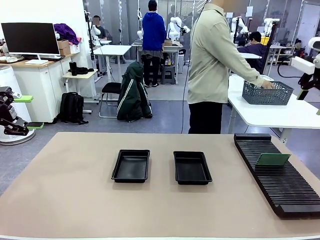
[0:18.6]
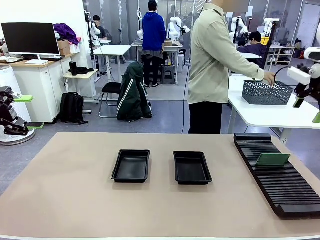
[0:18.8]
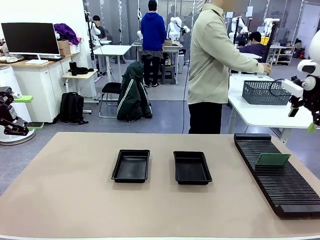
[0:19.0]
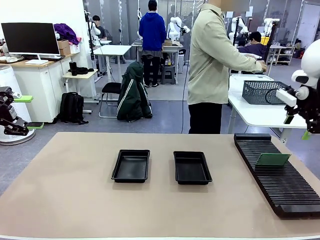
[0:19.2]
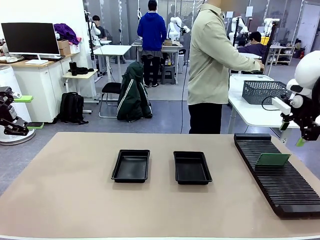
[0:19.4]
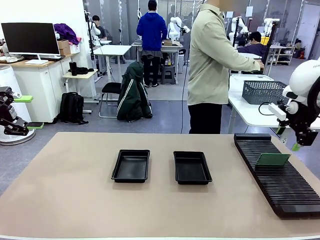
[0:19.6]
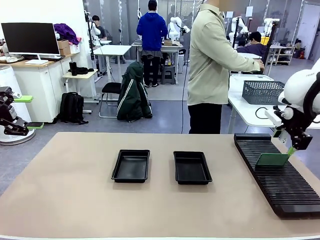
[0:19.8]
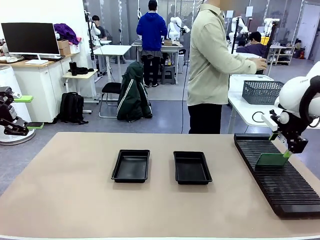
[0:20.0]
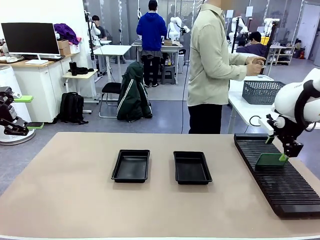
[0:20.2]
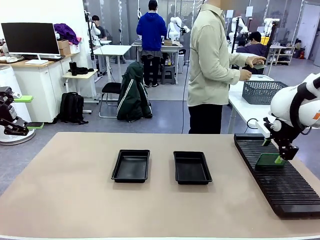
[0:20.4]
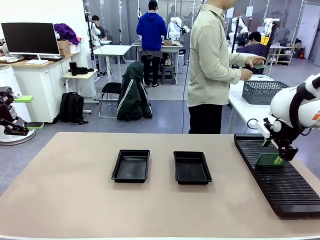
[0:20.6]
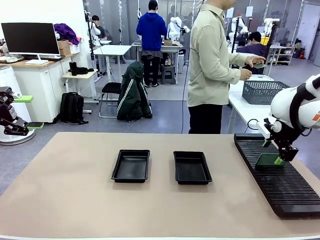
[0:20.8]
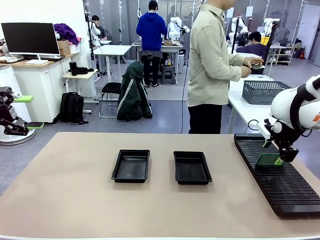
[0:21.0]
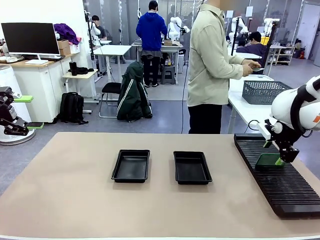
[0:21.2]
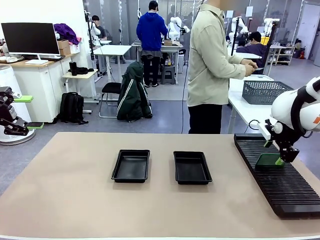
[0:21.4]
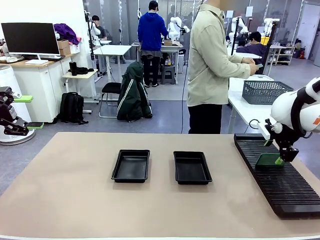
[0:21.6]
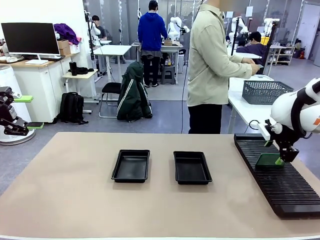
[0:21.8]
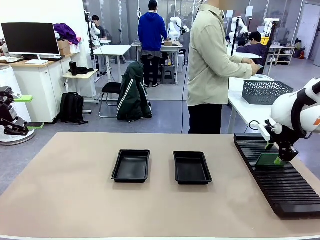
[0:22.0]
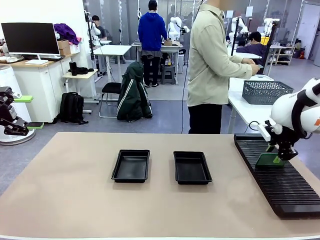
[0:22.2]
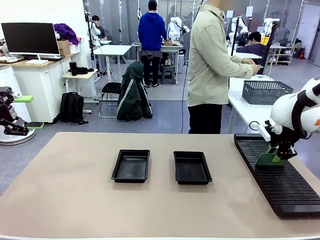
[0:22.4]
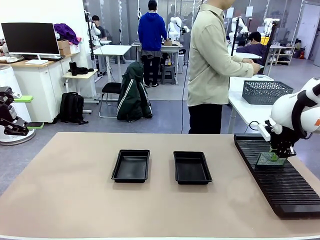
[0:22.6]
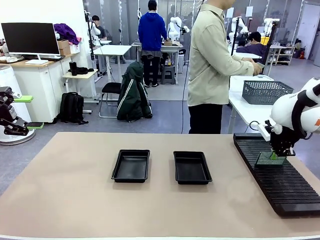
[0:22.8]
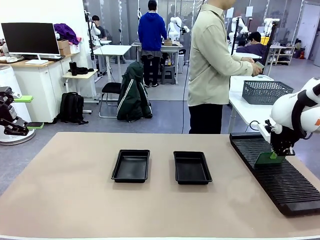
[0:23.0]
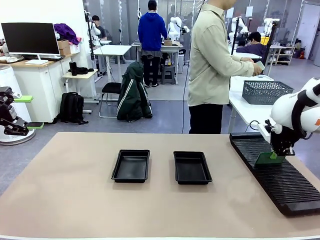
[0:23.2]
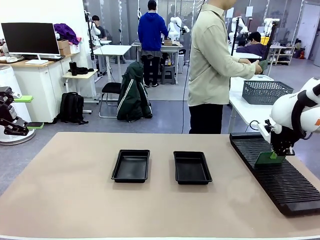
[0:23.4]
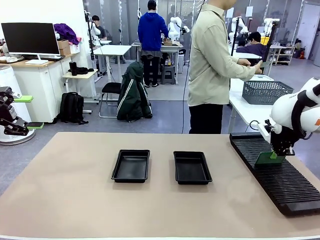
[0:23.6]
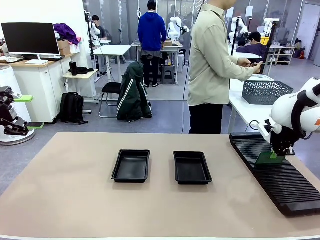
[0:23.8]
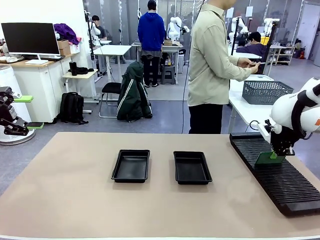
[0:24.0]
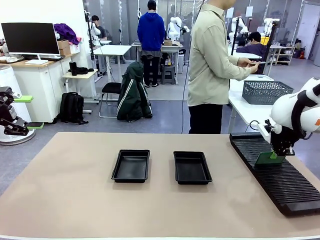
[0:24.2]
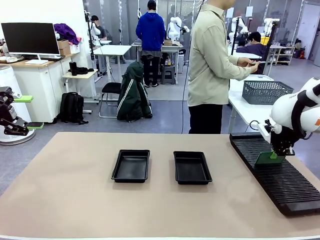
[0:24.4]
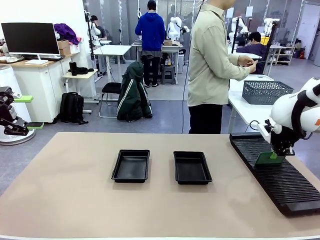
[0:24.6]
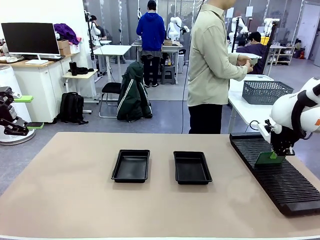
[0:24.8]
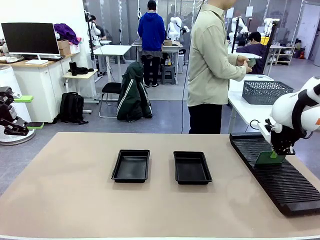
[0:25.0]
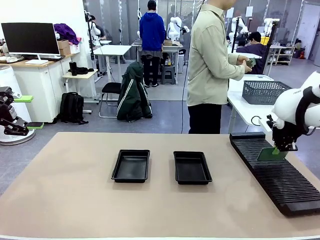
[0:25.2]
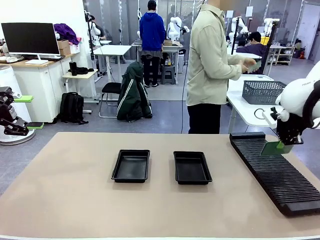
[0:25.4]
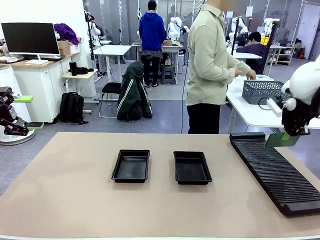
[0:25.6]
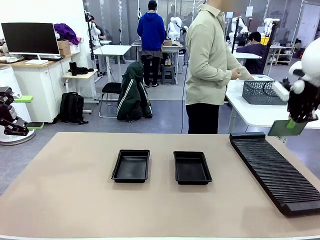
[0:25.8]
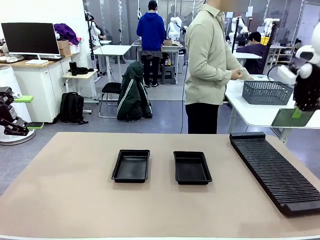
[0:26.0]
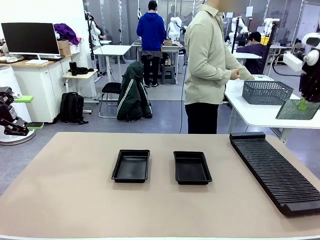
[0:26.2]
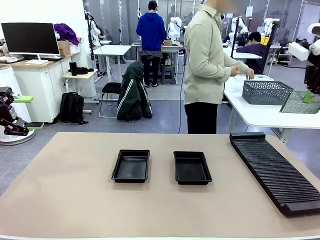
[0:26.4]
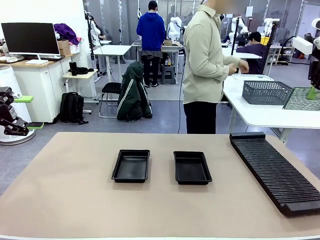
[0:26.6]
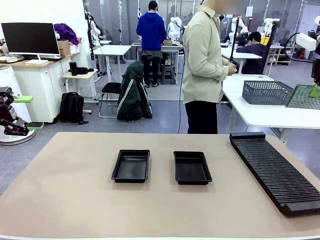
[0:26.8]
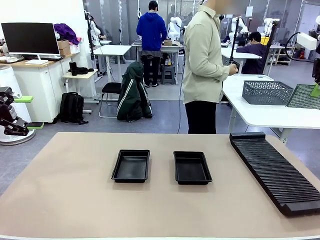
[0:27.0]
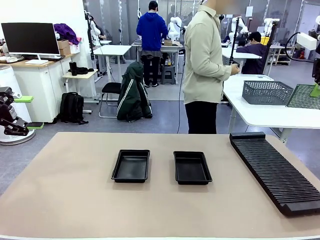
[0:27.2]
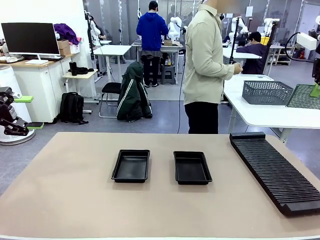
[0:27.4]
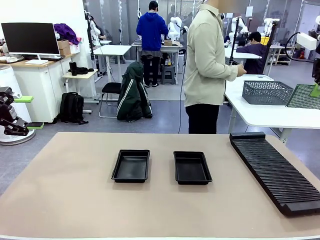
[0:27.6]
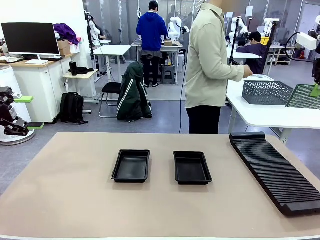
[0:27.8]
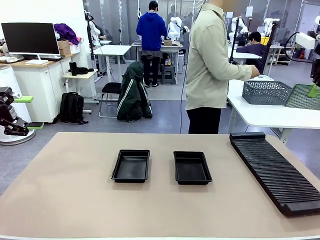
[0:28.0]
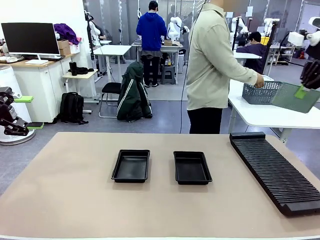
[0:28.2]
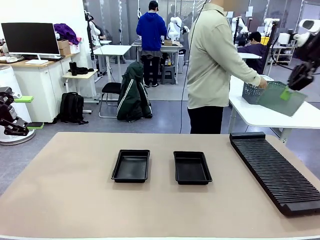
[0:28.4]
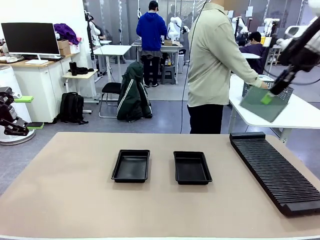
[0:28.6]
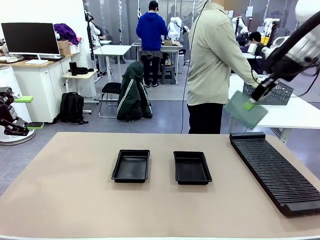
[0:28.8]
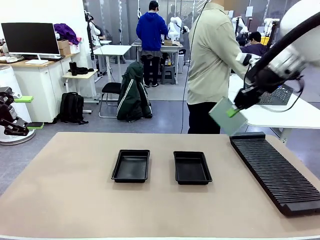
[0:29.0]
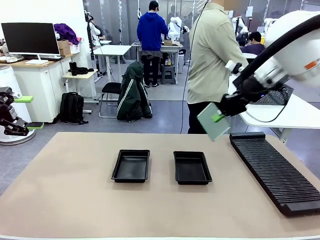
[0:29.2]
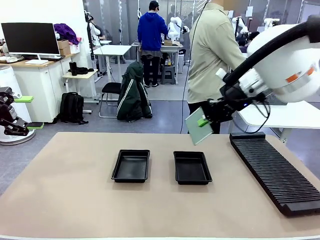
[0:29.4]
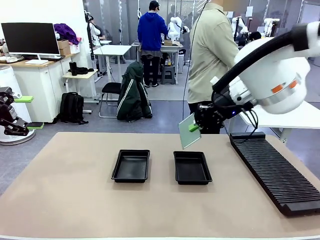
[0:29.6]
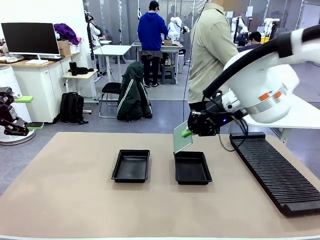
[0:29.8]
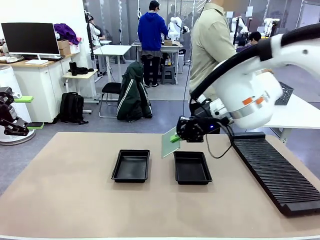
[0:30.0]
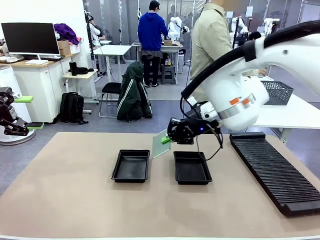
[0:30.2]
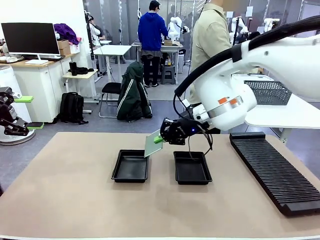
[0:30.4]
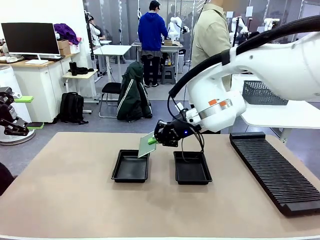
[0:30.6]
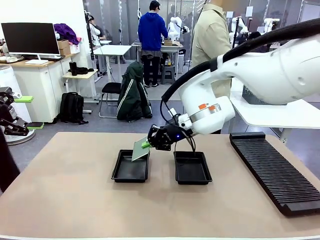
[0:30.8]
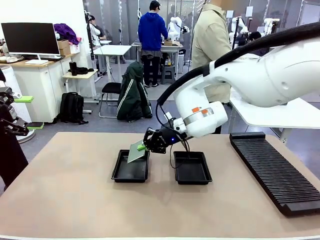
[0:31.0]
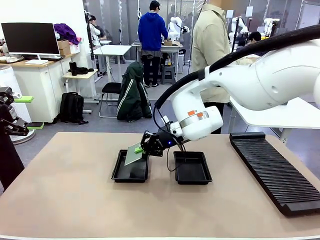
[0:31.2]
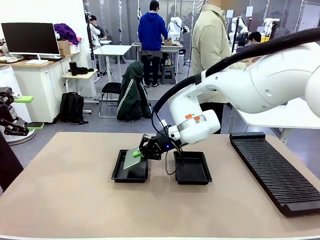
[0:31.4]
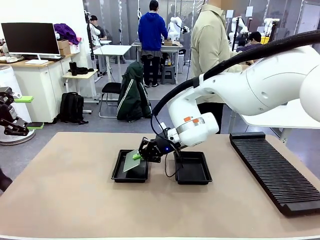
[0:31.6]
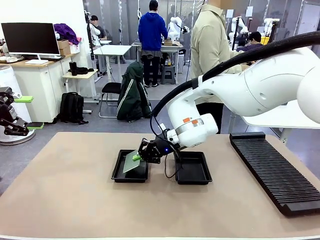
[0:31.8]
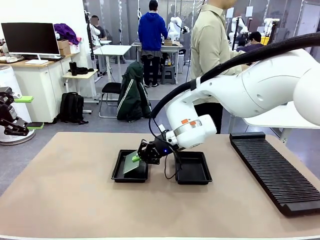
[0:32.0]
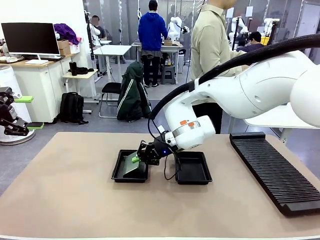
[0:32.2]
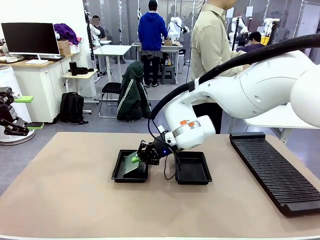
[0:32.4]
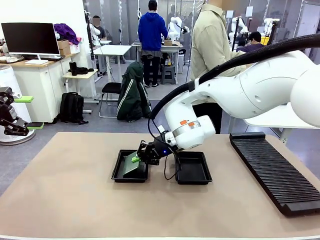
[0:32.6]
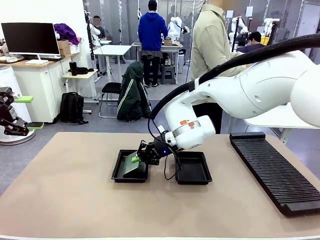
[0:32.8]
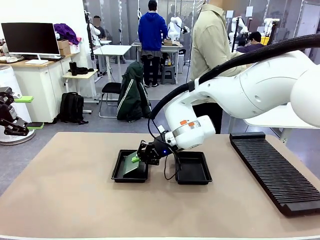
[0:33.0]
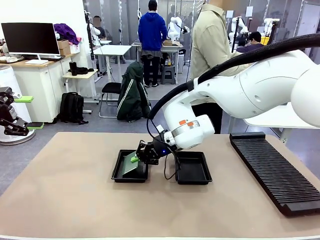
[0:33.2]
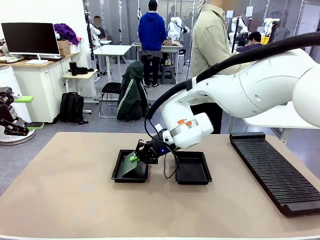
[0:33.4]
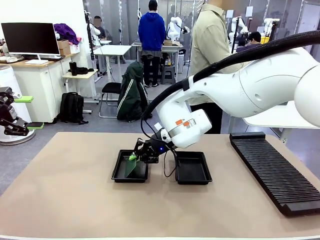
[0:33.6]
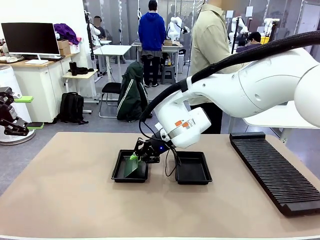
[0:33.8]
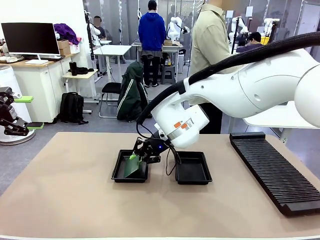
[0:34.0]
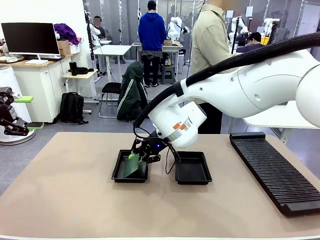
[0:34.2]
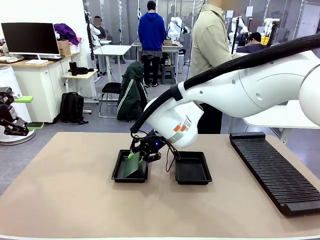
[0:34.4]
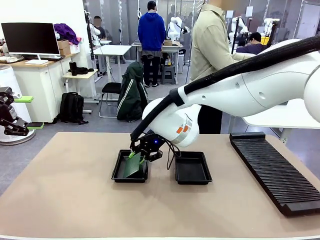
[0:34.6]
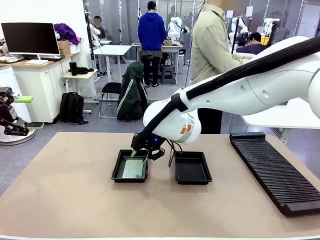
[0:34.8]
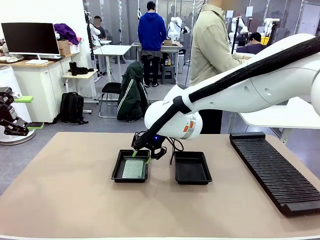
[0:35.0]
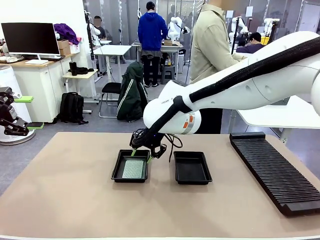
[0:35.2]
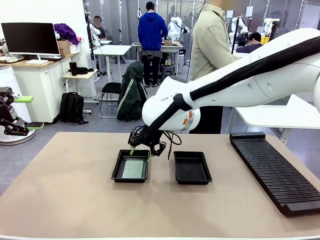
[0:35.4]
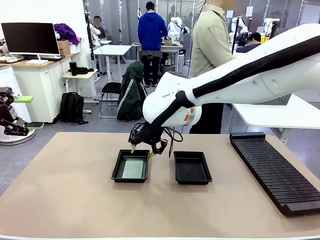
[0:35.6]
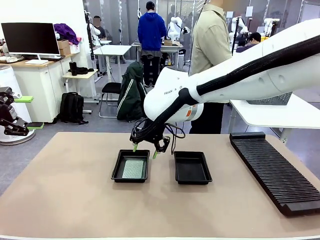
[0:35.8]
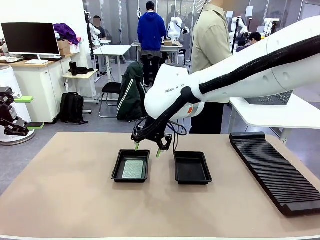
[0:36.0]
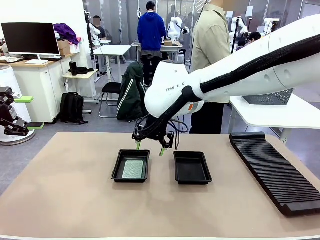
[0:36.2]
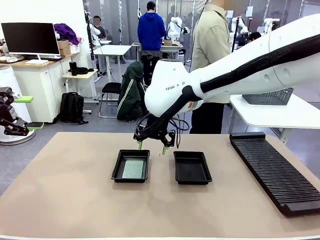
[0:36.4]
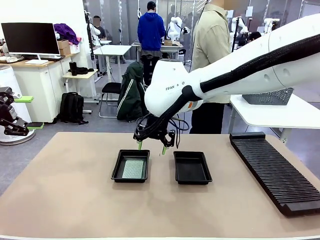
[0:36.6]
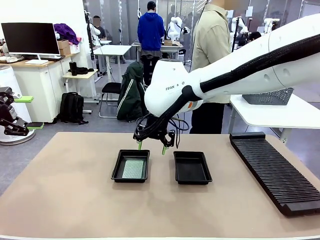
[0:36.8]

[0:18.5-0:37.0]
Task: Inspect and transfer BCBs to ESD trays.
Robot: Pick up the Blank PCB from the PCB Rack and place it in the left ESD tray.
